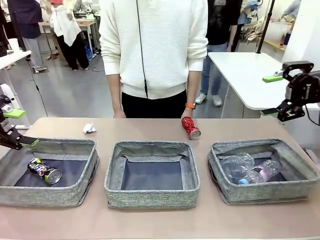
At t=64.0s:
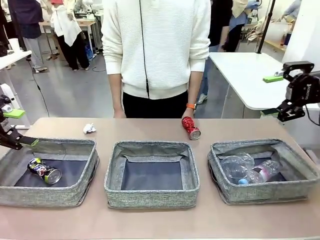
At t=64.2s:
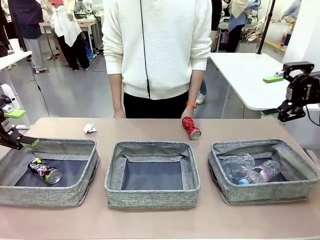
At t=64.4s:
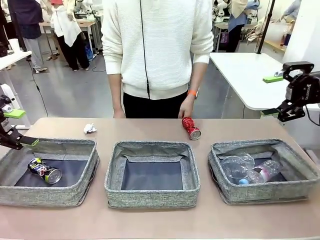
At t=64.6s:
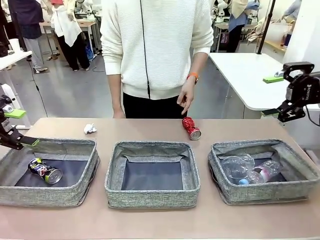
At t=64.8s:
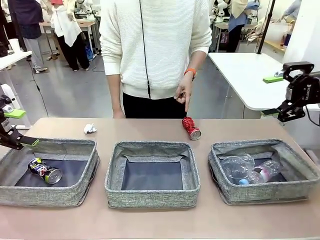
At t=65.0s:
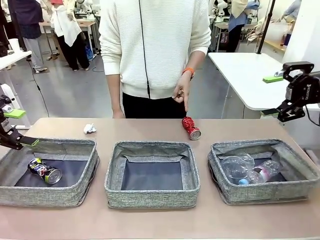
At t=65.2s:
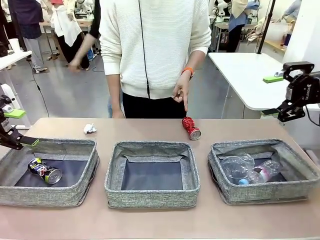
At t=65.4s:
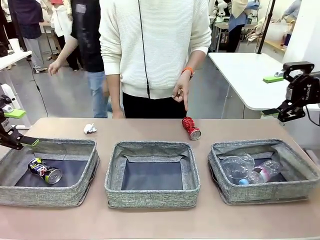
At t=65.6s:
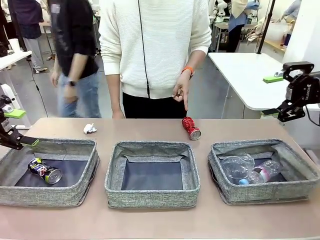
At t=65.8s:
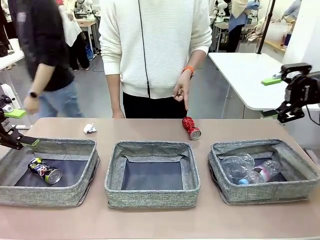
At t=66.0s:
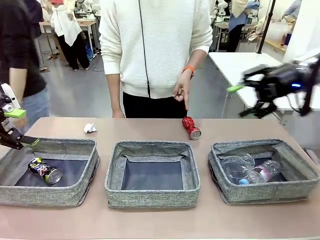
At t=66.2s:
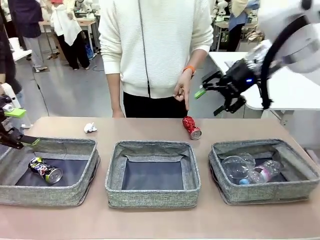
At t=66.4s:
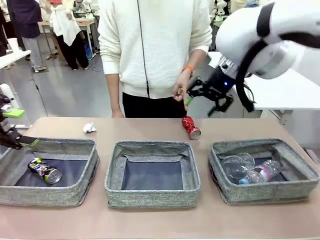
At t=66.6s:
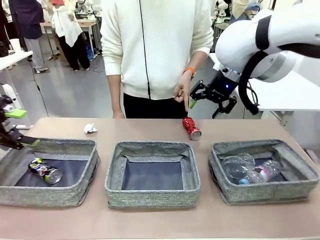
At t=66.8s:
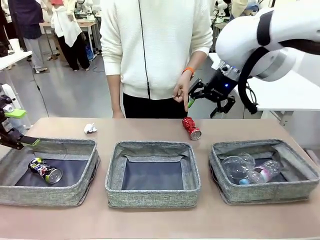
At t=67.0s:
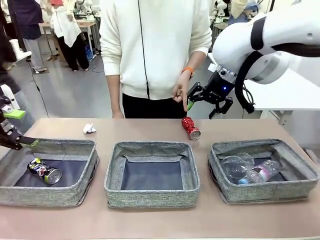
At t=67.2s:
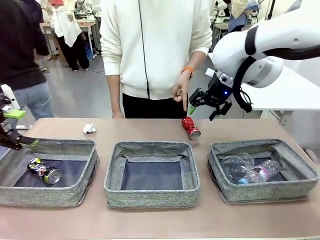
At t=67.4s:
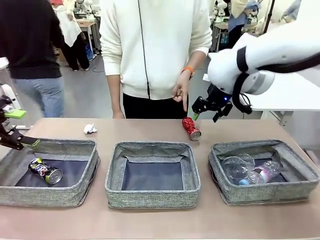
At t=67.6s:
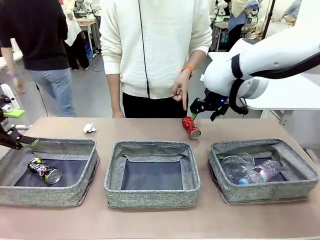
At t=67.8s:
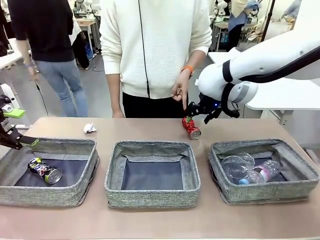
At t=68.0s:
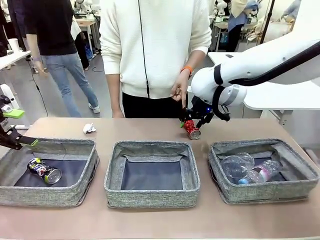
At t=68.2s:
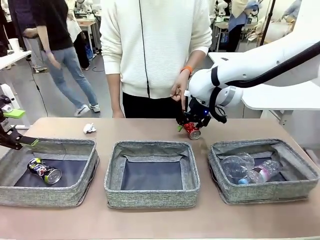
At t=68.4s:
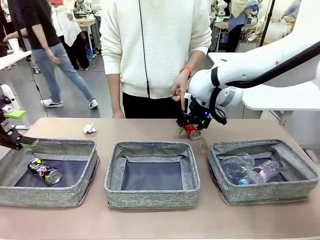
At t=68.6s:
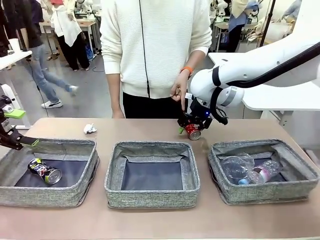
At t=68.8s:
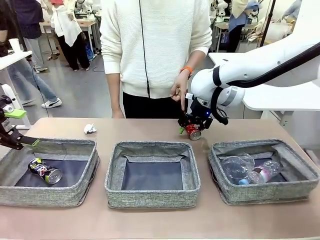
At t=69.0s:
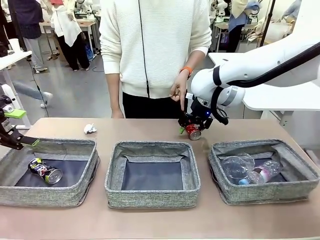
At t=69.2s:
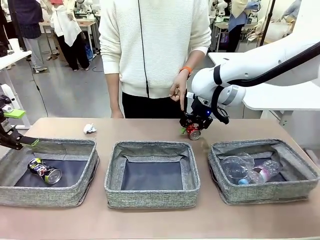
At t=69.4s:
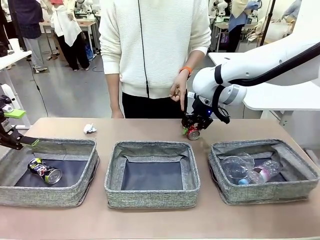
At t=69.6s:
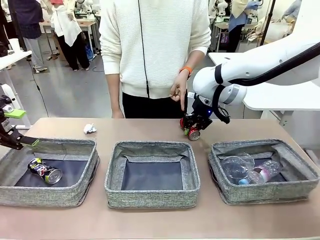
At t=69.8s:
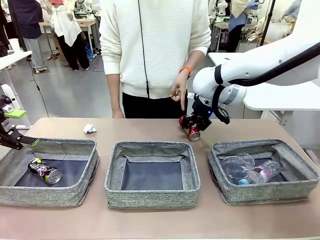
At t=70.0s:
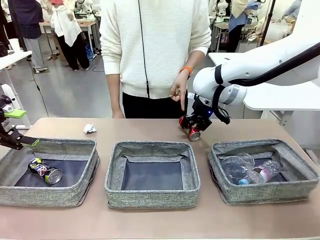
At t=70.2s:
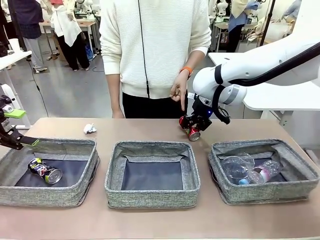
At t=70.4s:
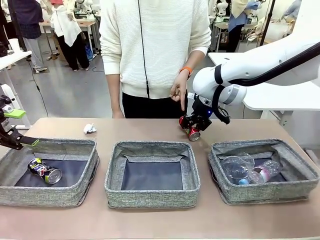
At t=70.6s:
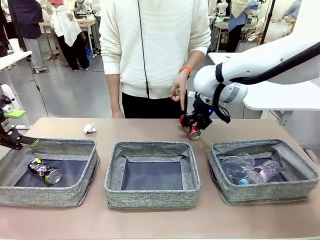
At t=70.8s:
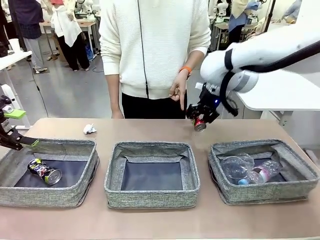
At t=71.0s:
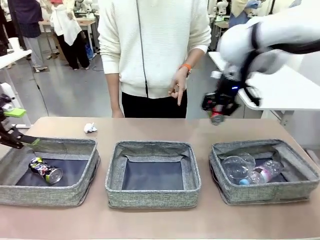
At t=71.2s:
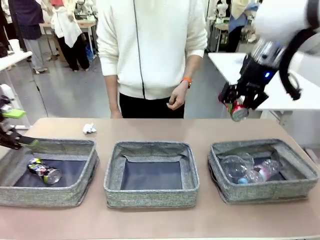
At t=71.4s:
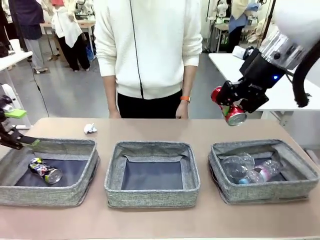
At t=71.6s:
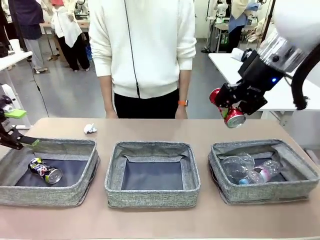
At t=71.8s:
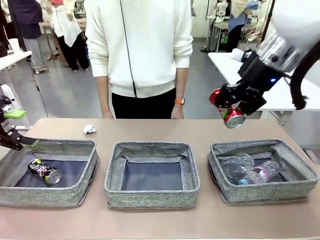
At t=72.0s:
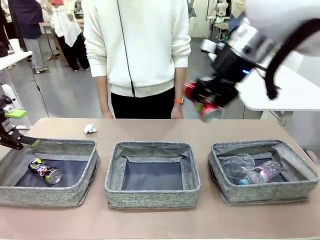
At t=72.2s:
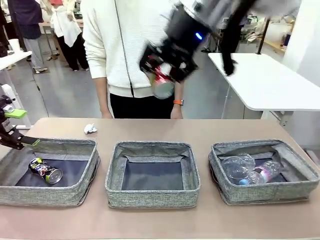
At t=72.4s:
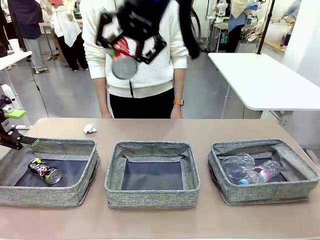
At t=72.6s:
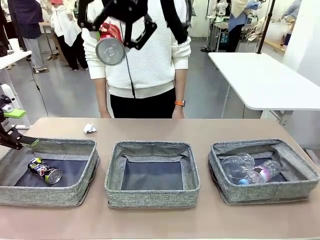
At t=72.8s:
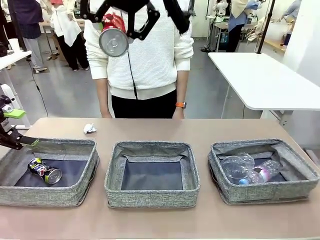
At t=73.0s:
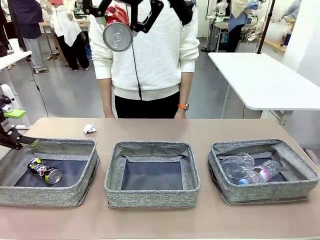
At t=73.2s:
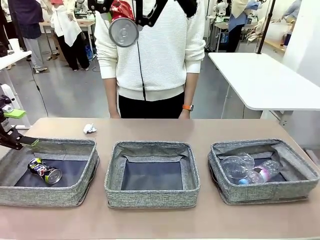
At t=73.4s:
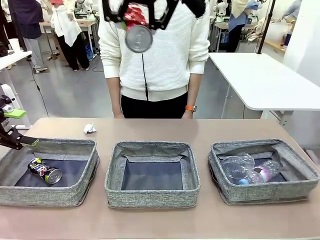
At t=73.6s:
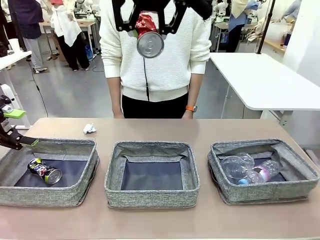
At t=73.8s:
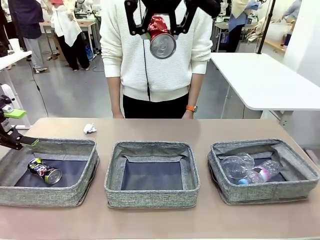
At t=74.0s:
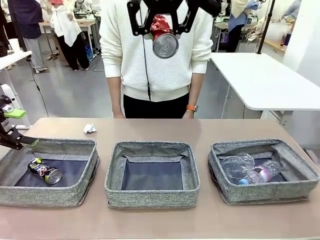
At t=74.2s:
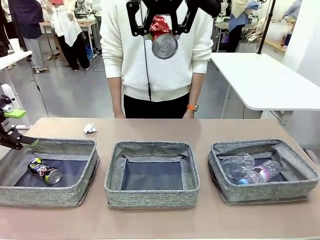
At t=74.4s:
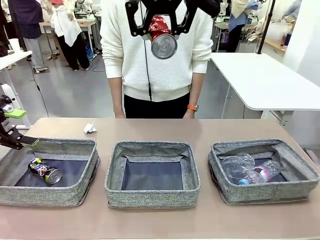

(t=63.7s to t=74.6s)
Task: Sort the waste into the appropriate baskets.
Robot: Pick up the waste item pointed out by the person.
Person: Points to one piece of trash on the table.

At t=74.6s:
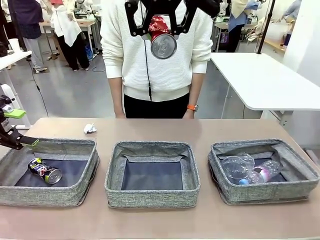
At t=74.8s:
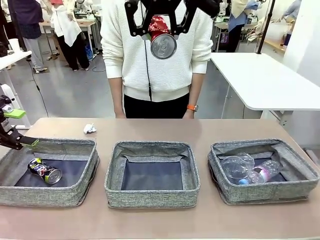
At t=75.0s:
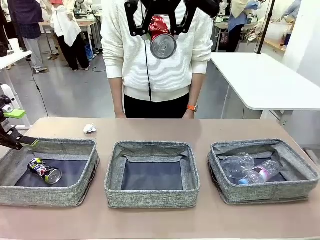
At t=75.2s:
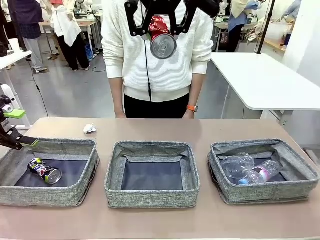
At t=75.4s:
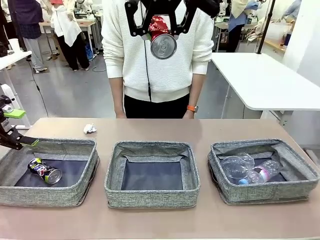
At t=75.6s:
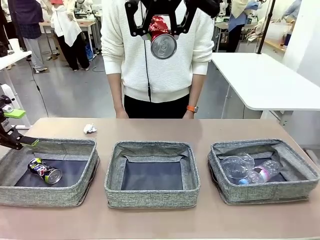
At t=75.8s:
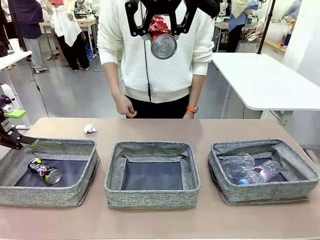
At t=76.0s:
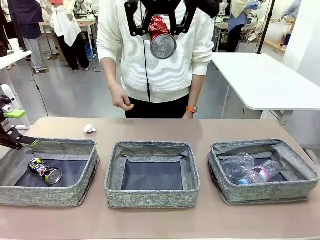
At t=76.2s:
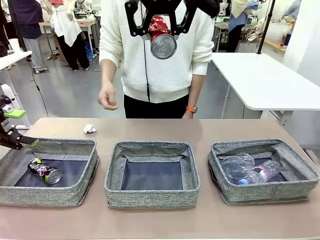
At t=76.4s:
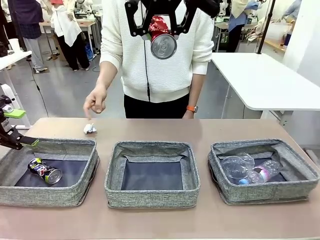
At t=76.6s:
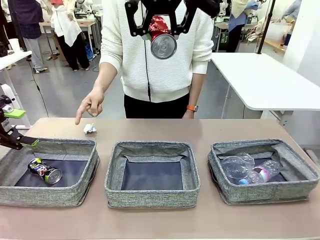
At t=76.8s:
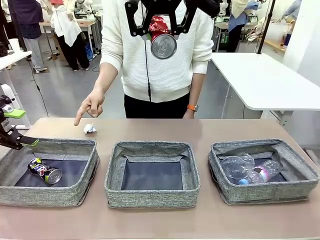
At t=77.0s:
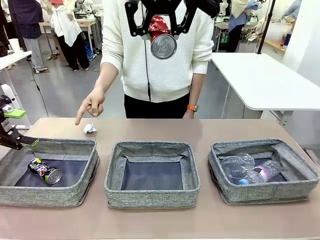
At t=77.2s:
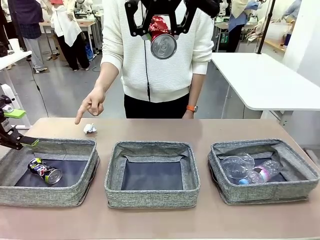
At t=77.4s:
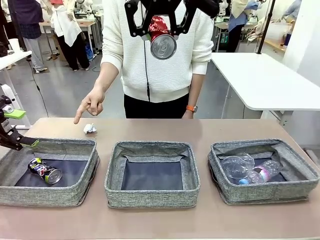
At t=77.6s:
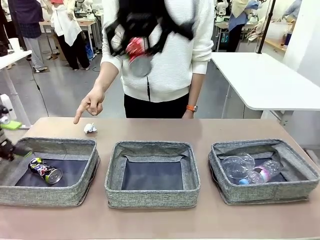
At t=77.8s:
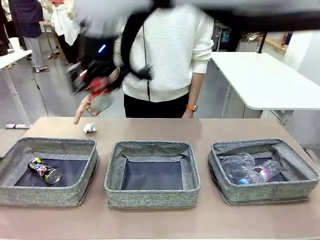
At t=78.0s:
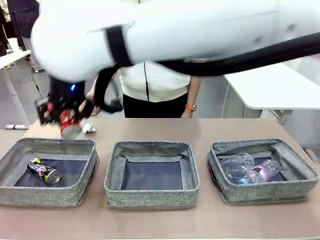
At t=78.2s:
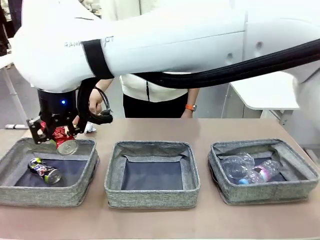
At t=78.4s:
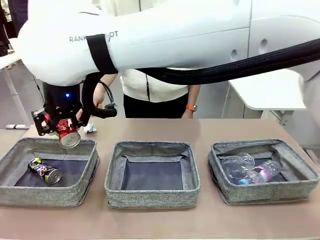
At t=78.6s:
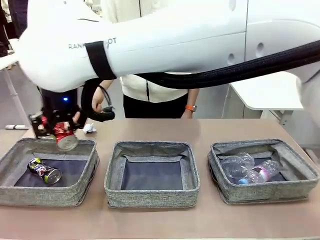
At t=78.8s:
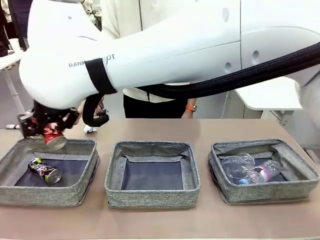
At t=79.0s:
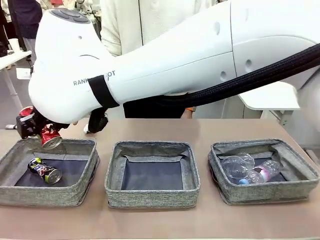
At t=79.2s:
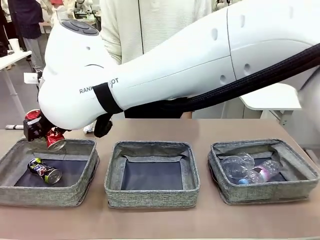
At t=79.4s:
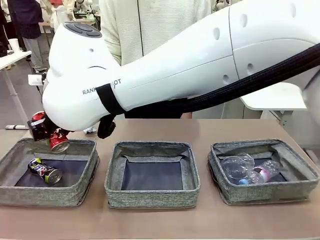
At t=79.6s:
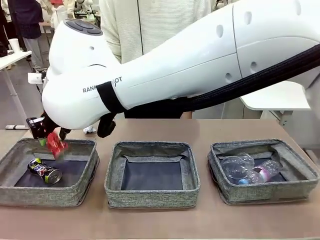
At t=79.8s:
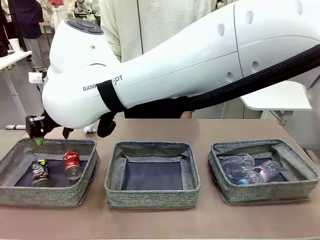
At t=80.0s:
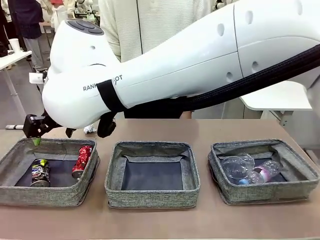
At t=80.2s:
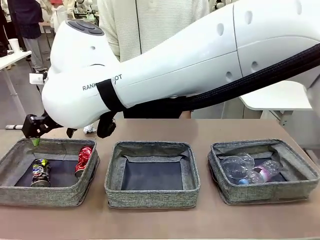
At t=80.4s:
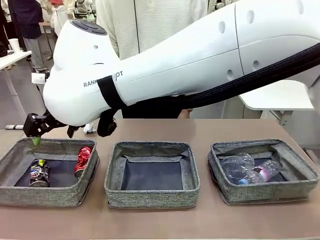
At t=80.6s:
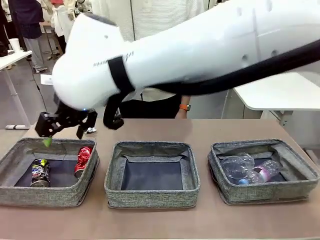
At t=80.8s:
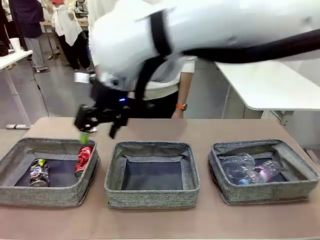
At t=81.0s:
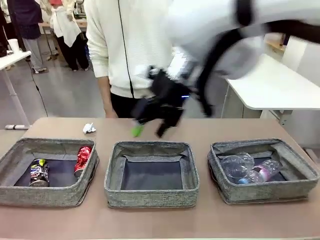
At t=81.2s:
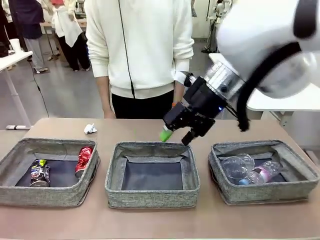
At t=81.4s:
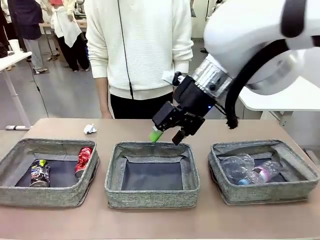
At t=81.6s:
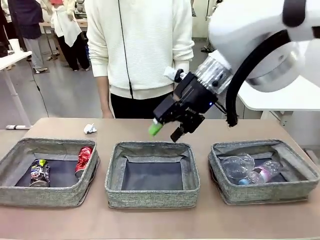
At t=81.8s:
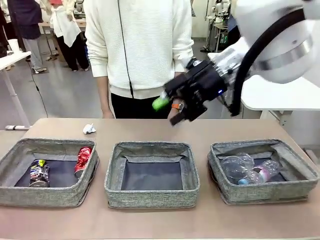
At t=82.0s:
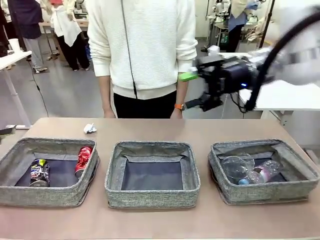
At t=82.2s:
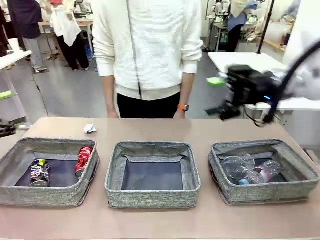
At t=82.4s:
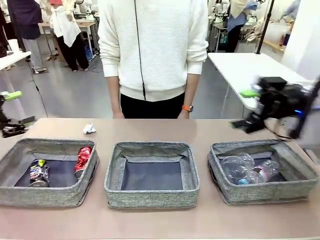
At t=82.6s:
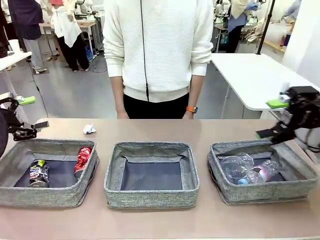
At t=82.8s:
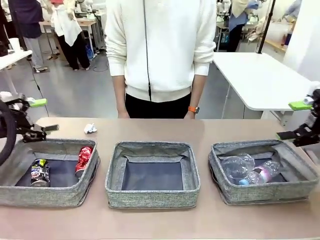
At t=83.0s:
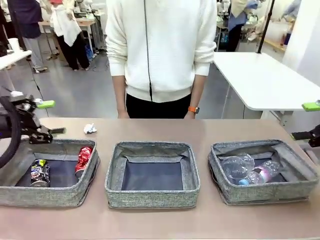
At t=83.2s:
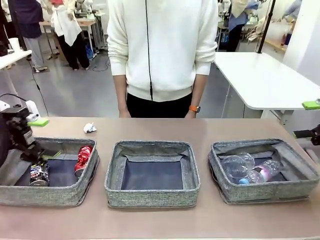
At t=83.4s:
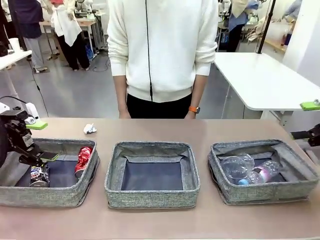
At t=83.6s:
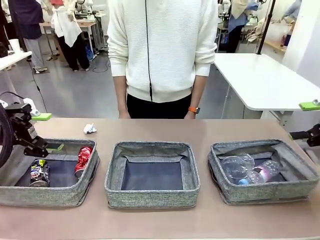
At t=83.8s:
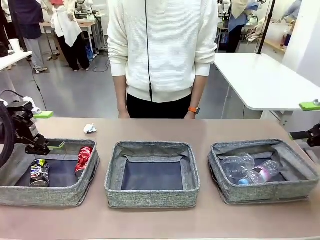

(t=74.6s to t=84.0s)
Robot: Place the picked waste into the Fabric basket indicated by the person.
Person: Instructs the robot to place the picked-up trash into the appropriate organizing basket.
